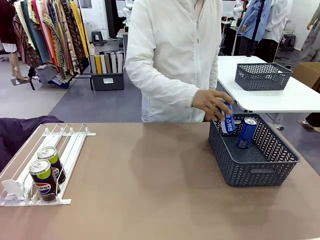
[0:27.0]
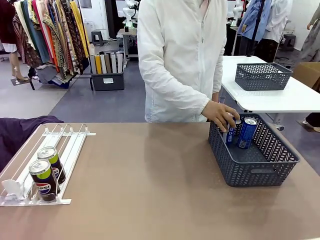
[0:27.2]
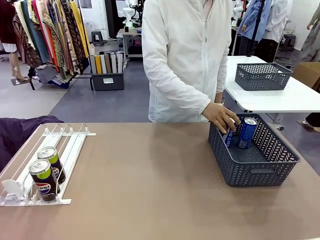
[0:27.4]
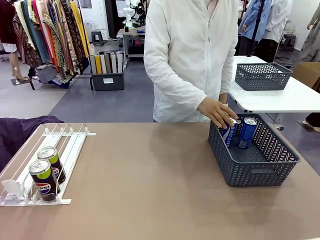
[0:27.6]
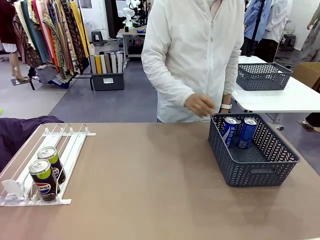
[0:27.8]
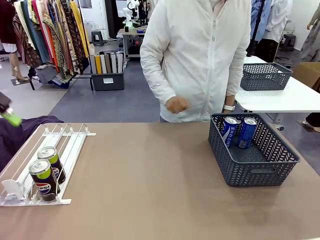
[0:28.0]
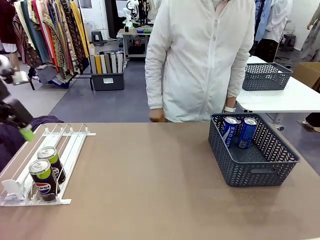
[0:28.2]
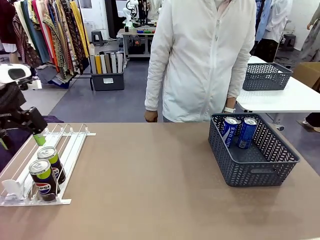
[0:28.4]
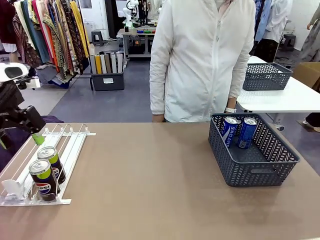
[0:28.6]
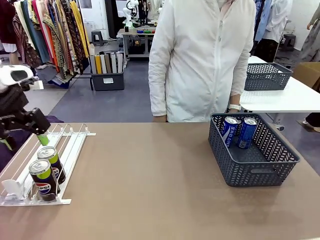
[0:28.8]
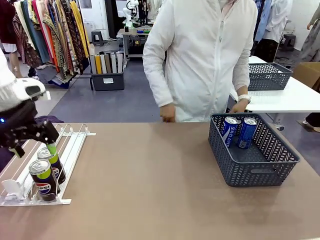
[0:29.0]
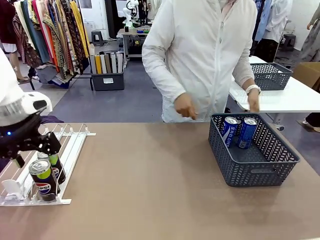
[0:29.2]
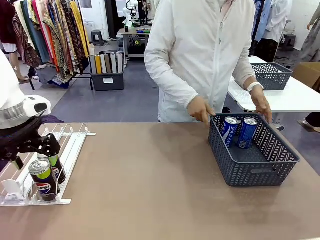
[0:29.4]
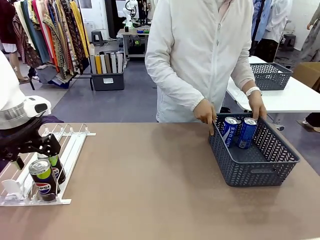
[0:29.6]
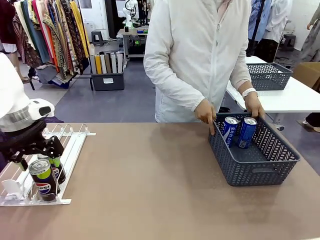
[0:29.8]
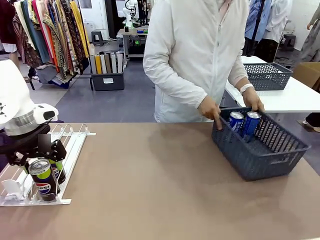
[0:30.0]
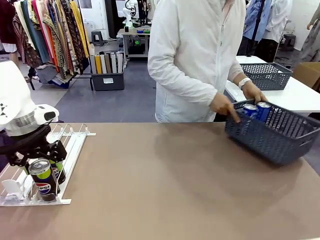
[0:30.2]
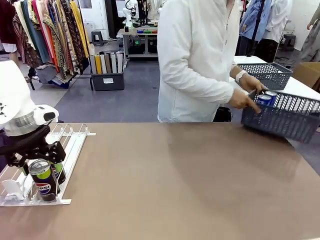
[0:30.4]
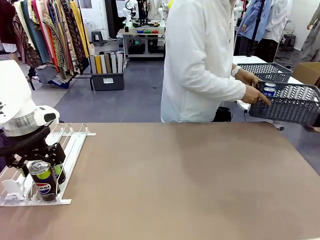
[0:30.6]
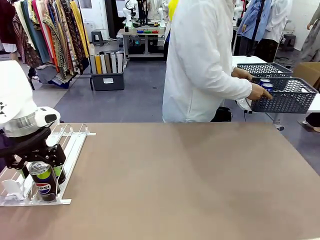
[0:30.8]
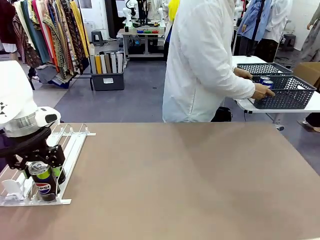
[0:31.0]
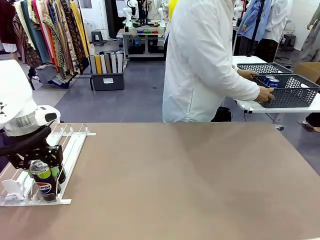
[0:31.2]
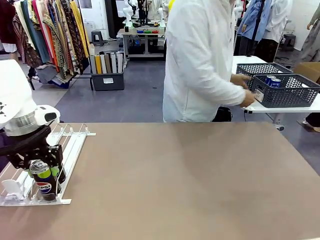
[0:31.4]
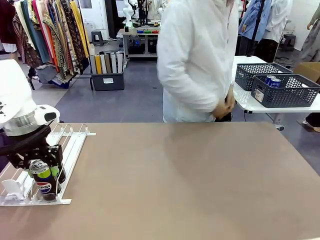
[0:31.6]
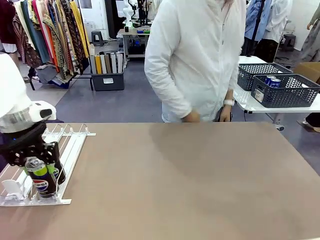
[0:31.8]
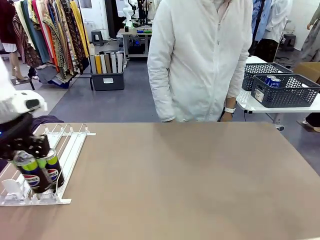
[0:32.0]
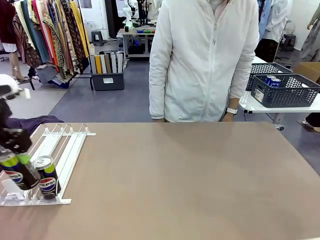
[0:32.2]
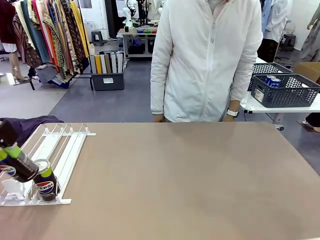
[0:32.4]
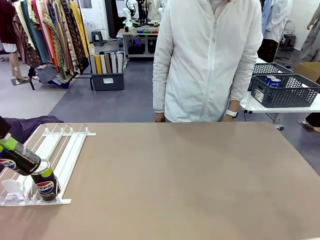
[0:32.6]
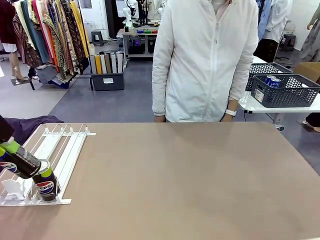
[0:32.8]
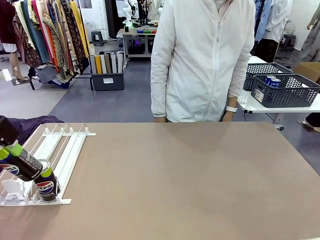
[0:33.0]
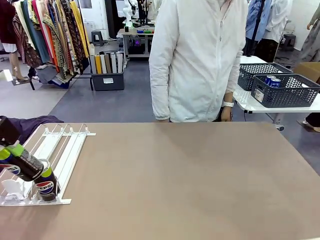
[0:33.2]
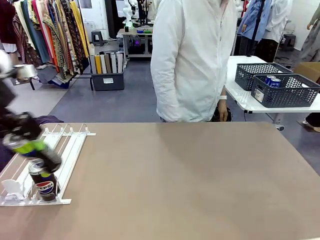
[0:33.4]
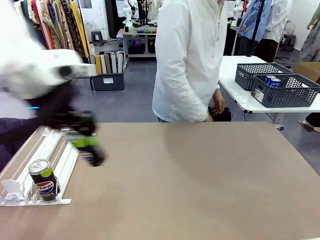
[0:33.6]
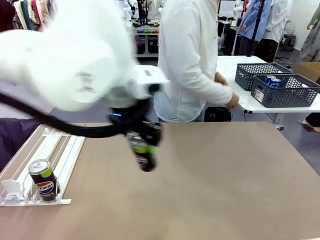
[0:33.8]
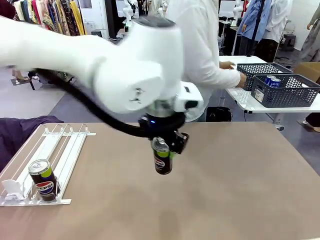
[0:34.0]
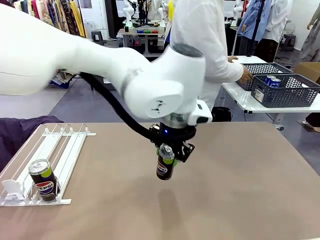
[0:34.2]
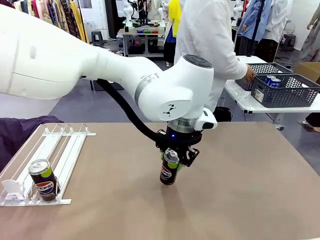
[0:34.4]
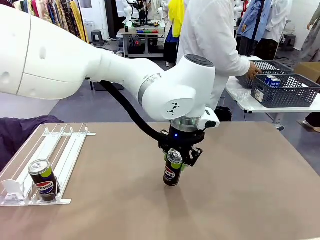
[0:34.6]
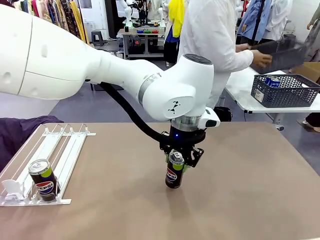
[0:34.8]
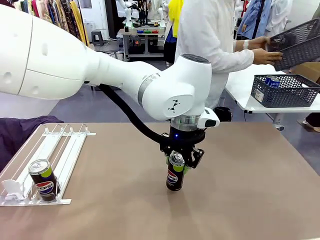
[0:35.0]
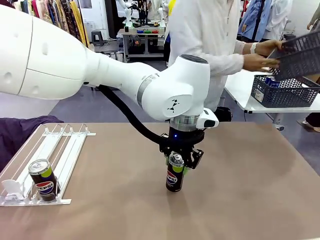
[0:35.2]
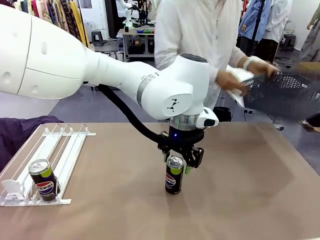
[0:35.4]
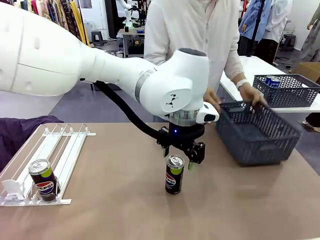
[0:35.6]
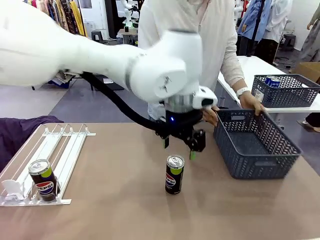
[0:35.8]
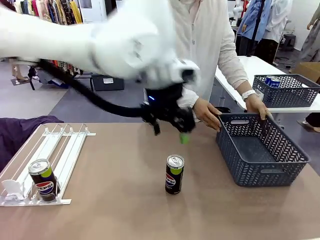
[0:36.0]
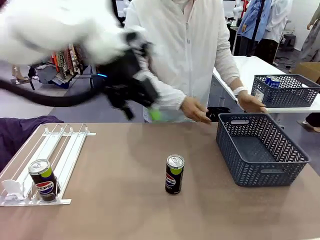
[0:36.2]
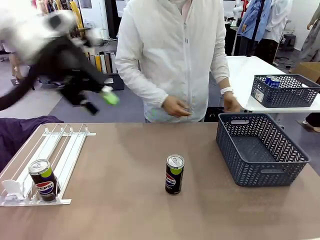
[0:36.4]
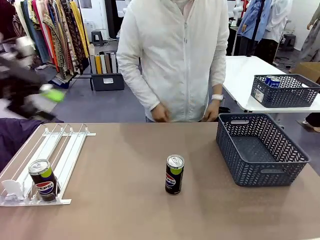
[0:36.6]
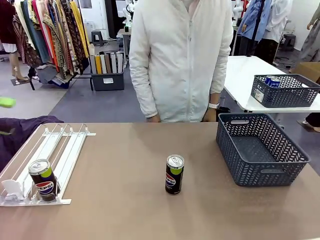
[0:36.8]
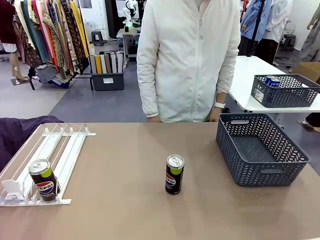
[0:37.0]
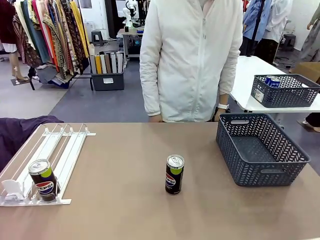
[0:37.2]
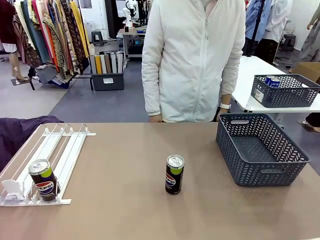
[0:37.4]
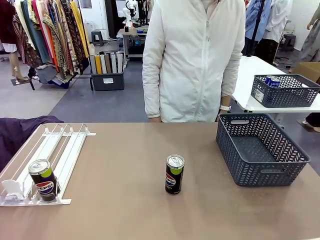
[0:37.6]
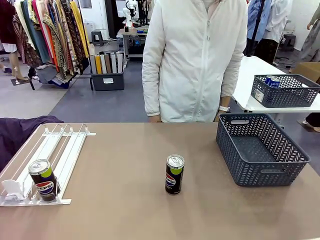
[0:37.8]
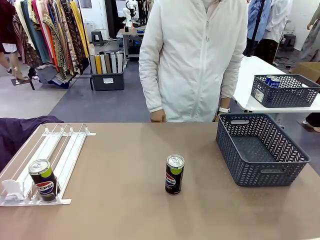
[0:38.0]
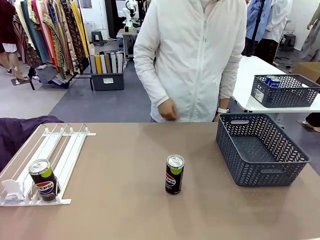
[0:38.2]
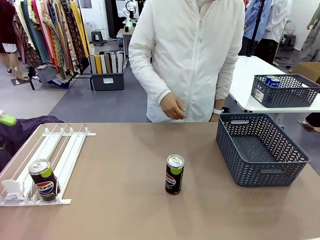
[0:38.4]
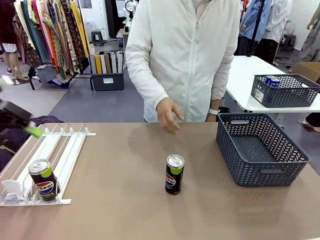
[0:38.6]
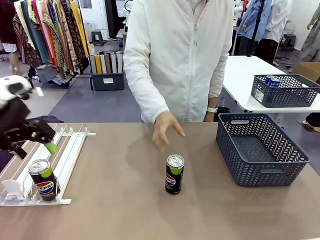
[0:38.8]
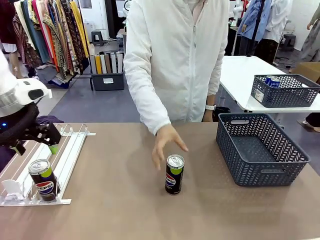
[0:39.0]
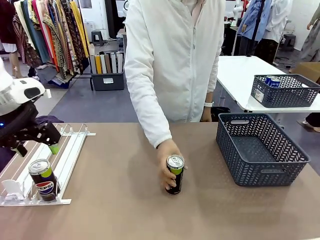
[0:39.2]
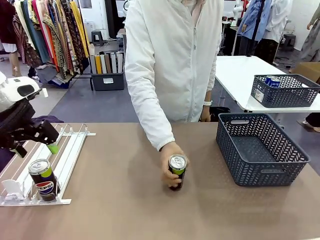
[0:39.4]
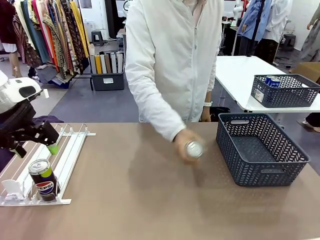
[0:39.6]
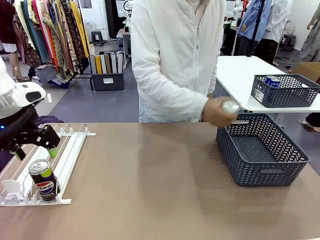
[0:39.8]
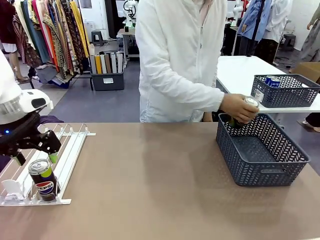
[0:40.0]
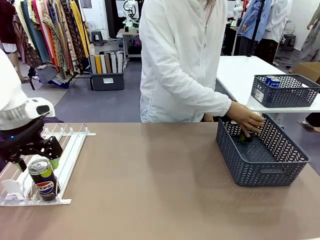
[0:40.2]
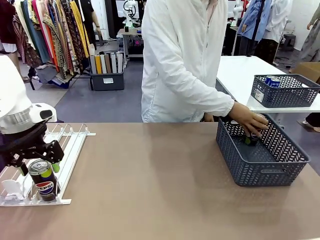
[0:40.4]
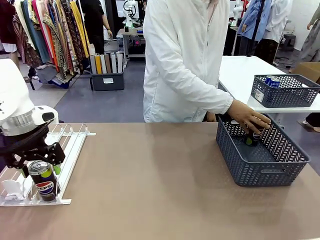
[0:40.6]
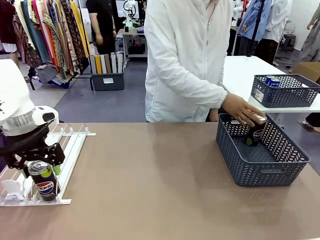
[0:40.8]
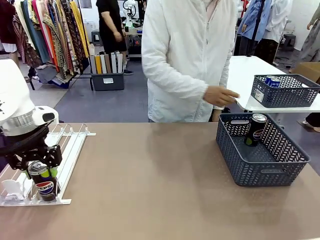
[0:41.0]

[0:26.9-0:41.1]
Task: Retrieve and store the cans from the dispenser.
Robot: Pick up one can from the Automatic Can Dispenser and place it in the middle of the table.
Person: Pick up the basket and place it in the middle of the human table. Pick up the empty basket and place it on the left side of the robot table.
